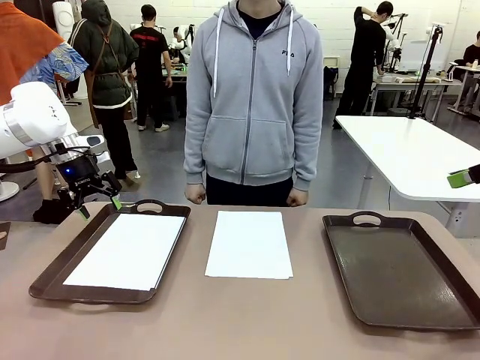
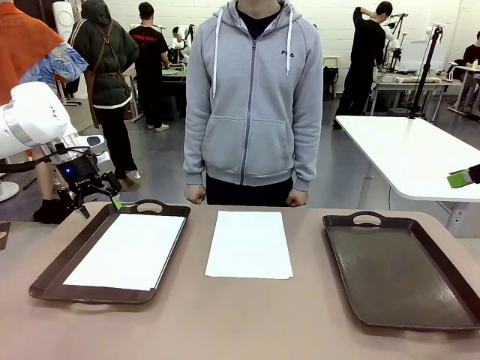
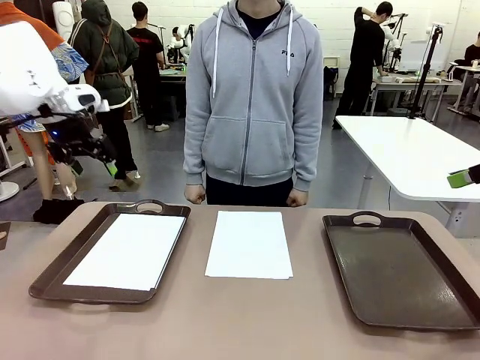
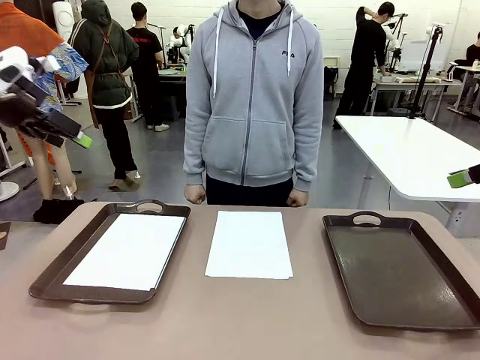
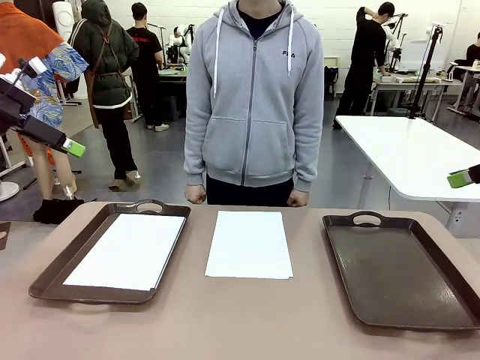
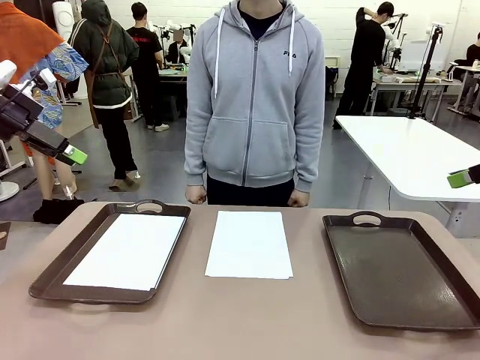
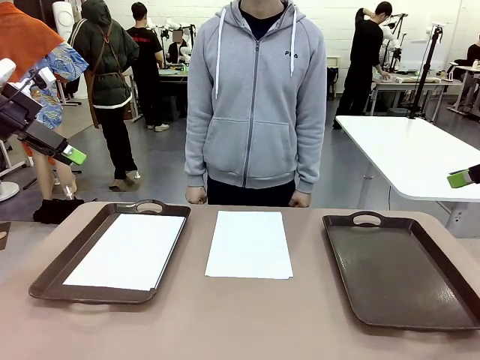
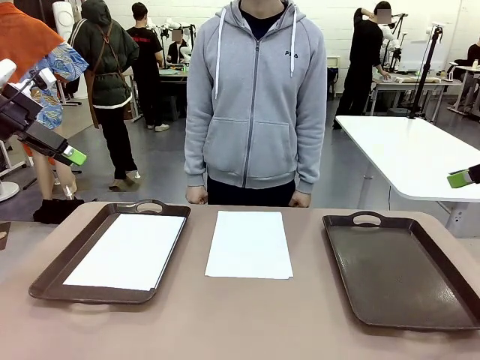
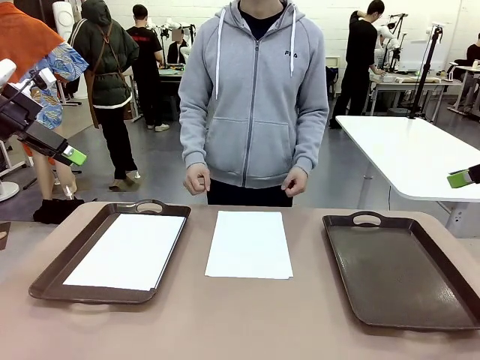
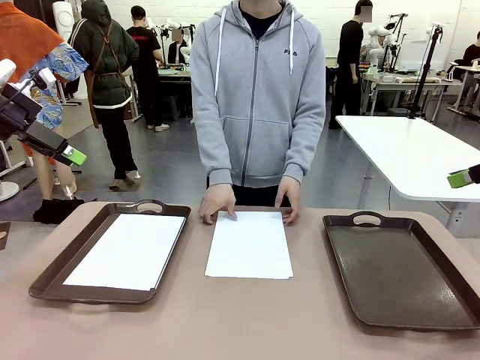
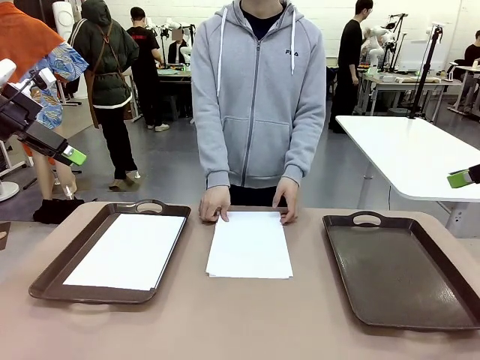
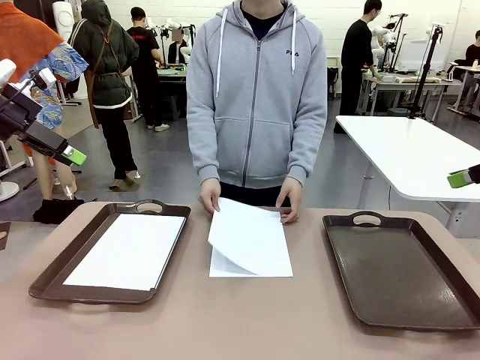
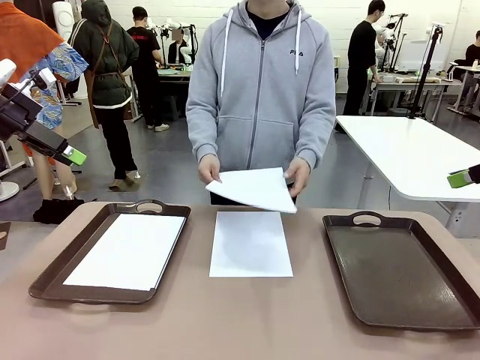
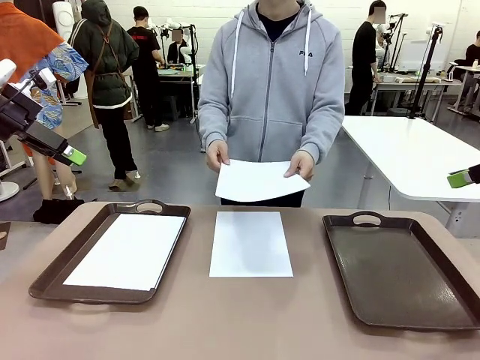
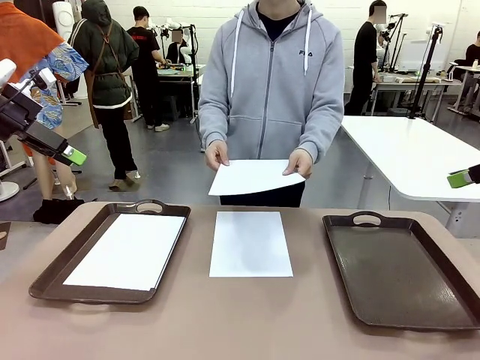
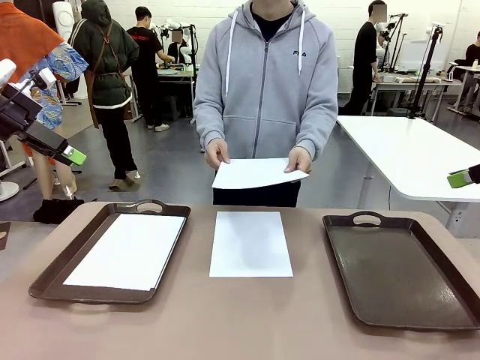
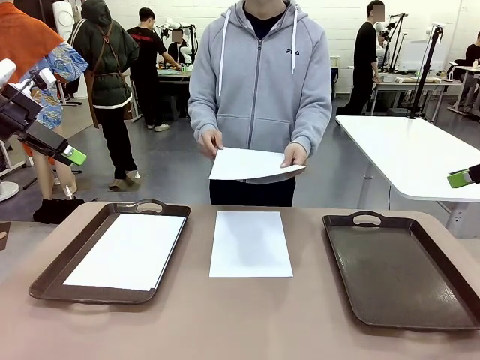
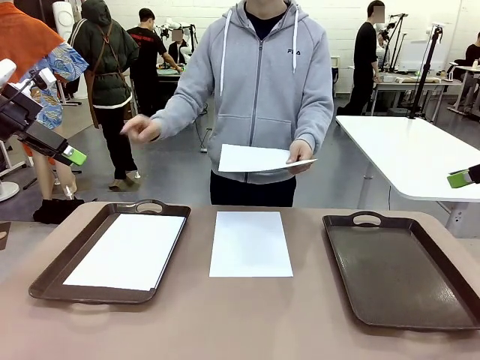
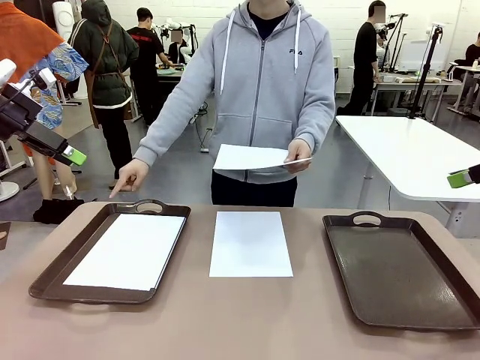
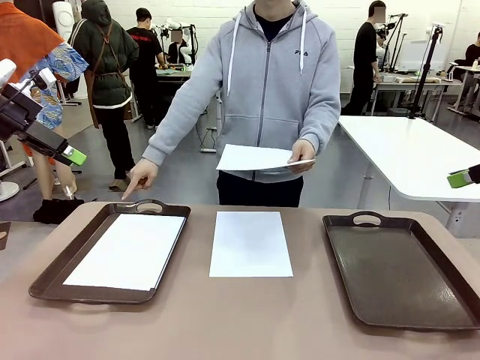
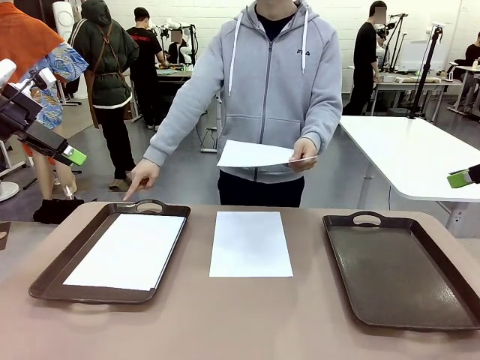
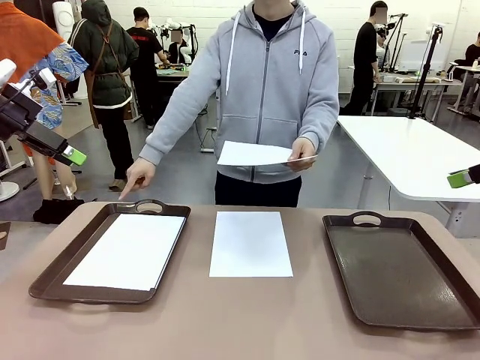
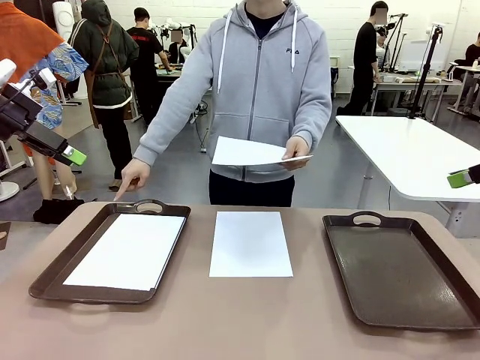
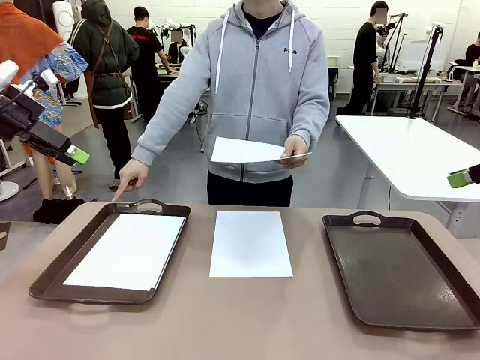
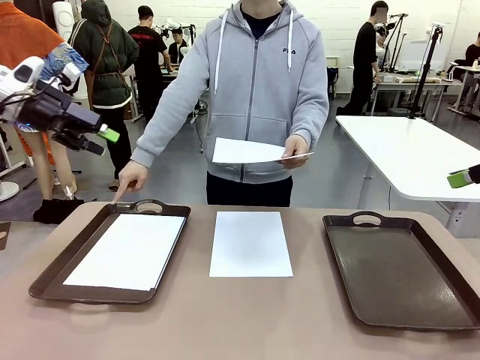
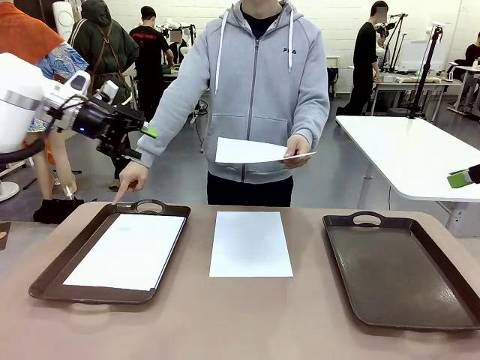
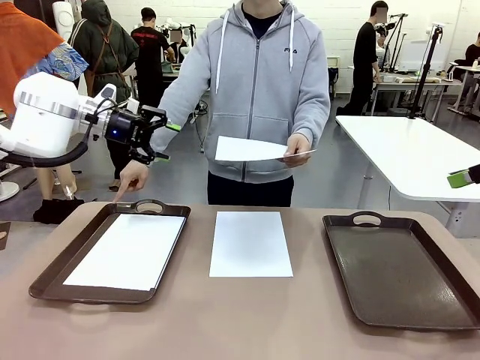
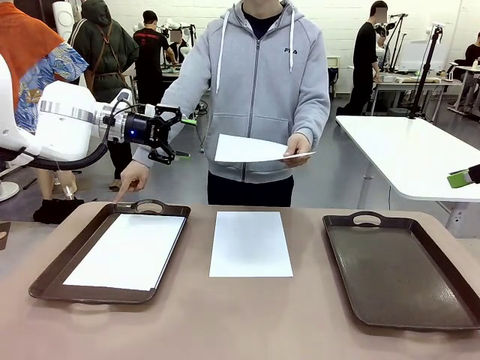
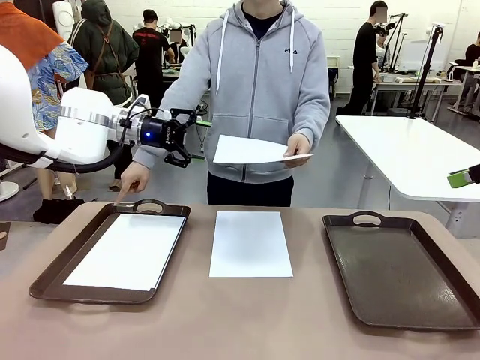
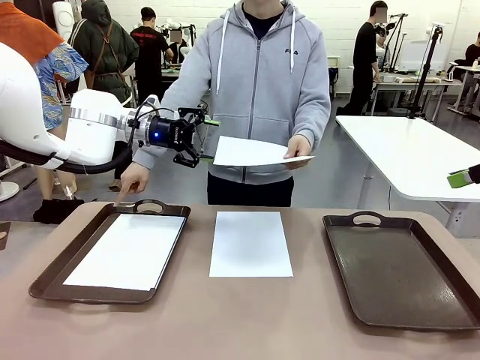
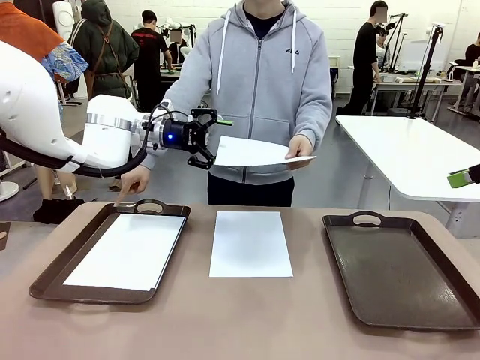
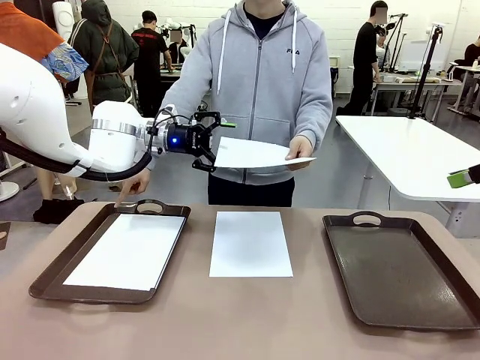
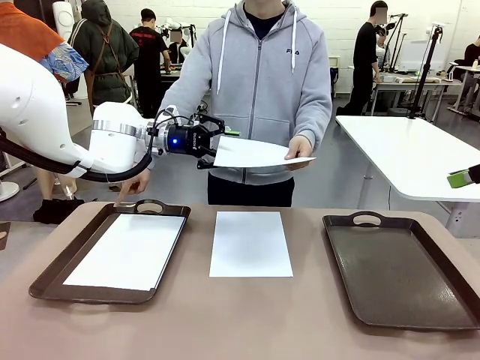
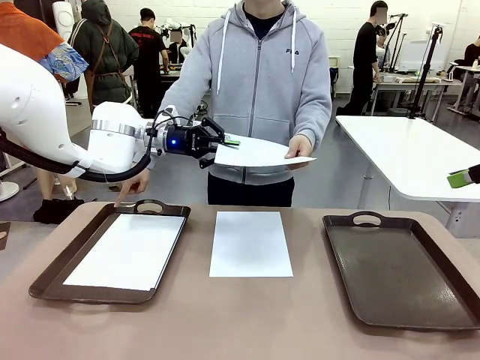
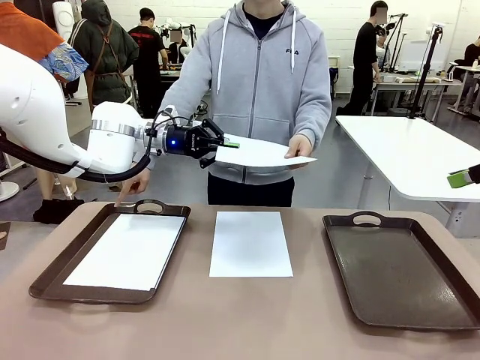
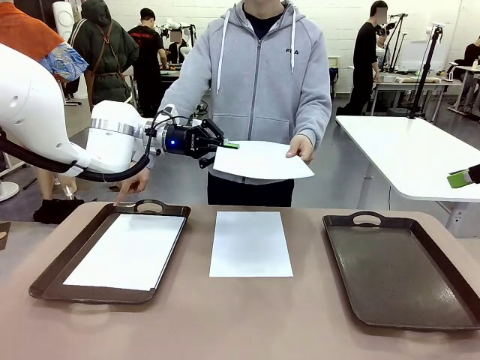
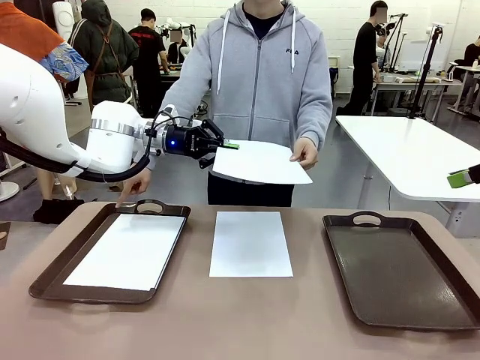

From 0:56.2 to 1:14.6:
Task: Sort the A4 documents.
Robot: Receive the A4 Paper.
Person: Point the randomly selected tray with the other hand.

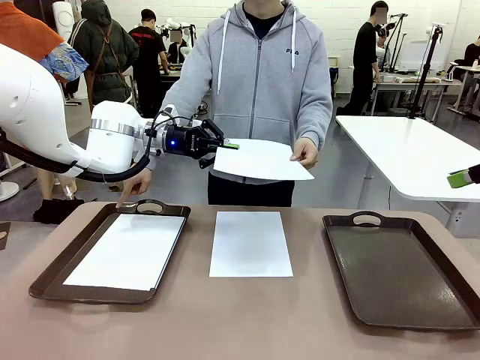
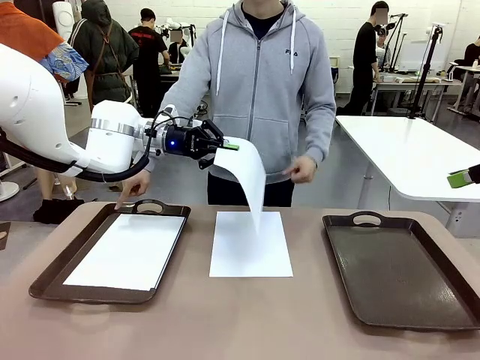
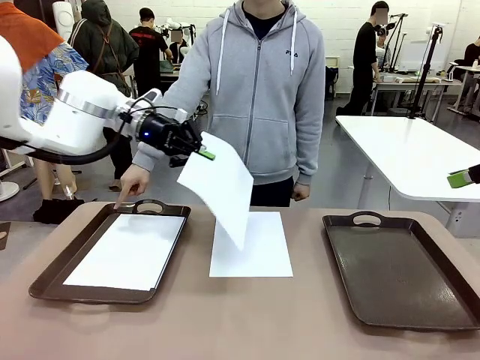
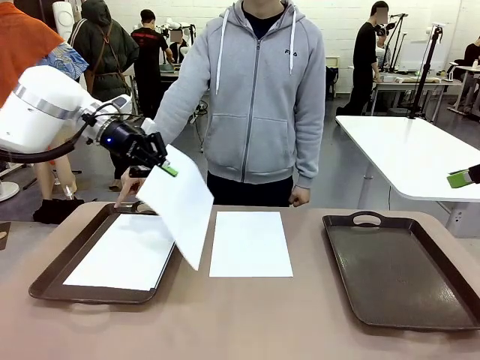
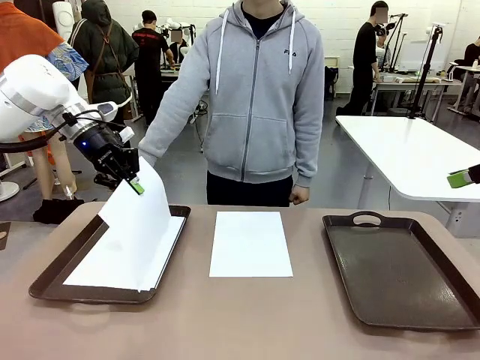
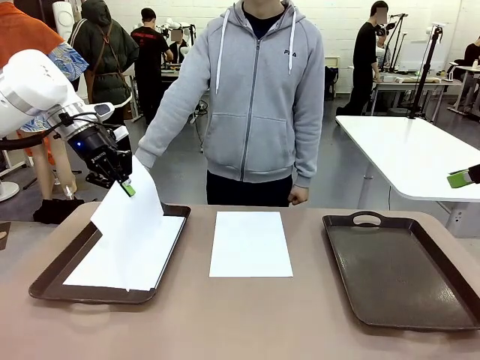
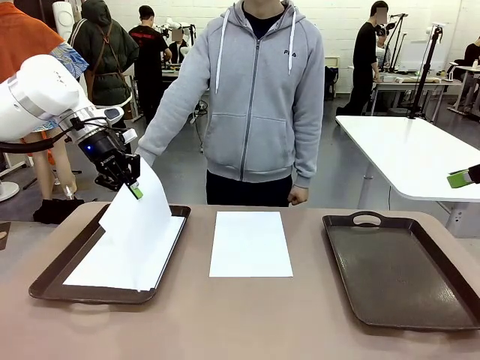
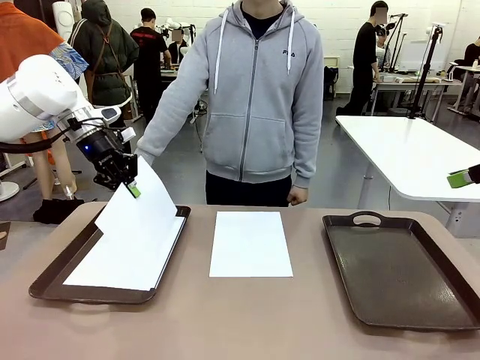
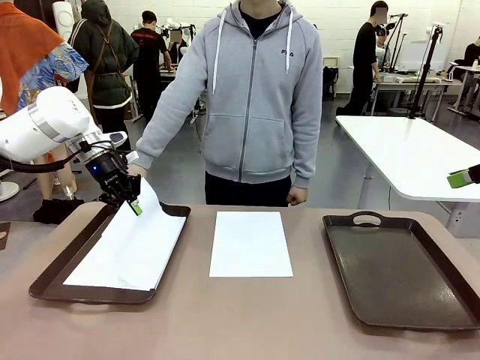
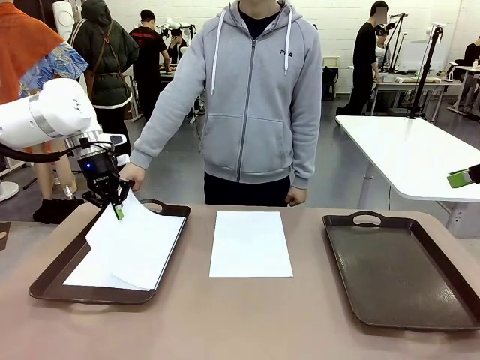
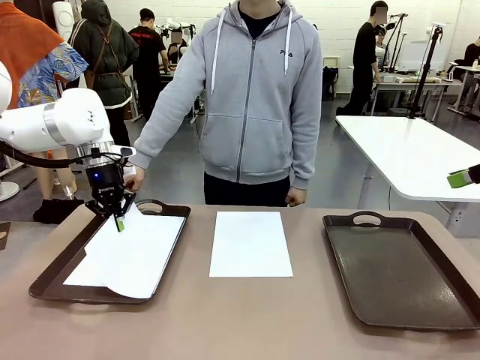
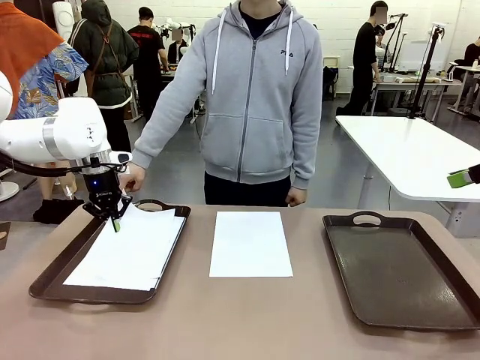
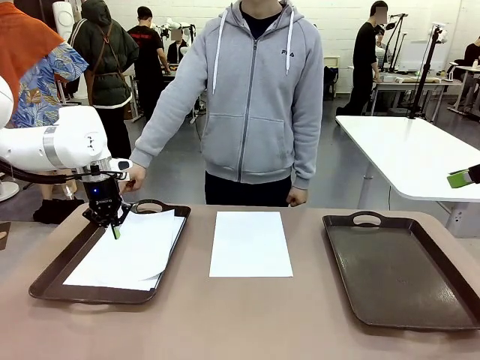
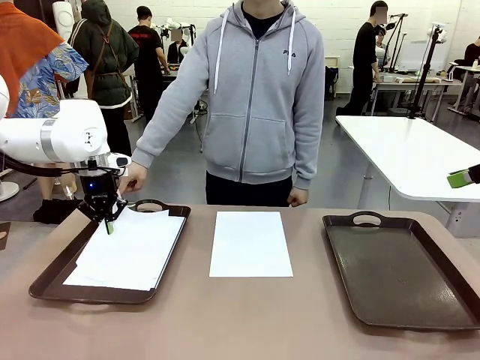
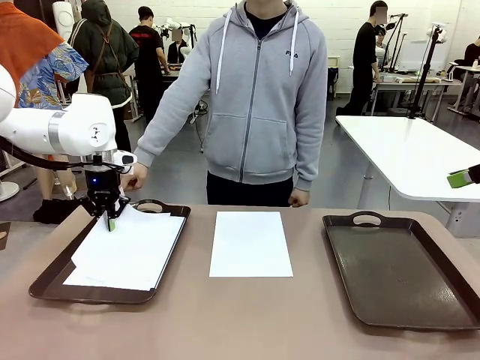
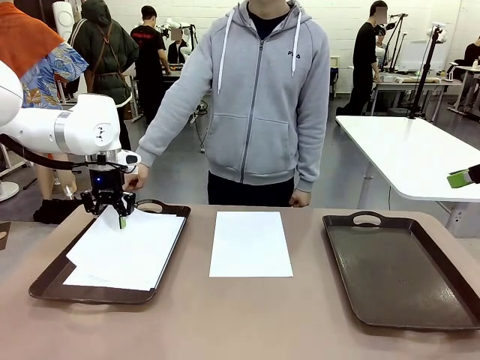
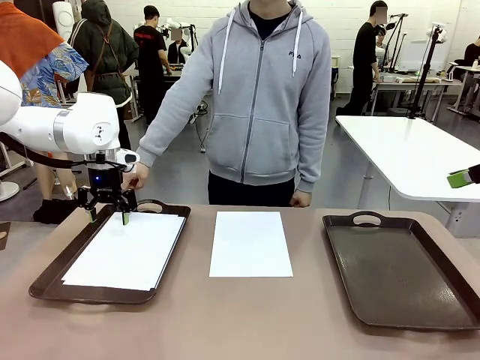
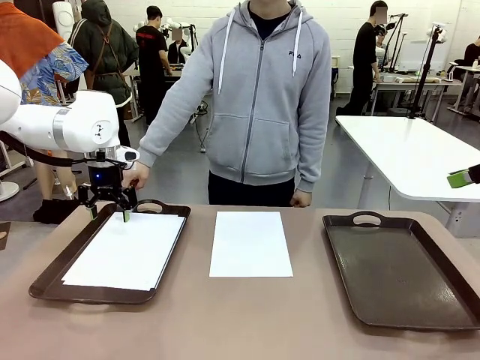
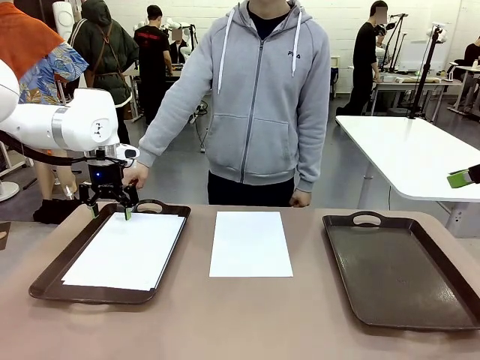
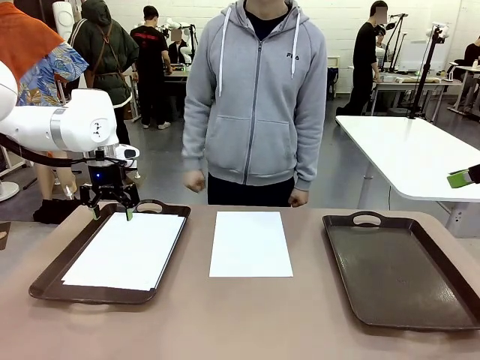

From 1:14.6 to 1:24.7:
Robot: Place the A4 Paper in the designated Handle tray.
